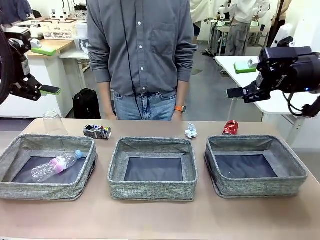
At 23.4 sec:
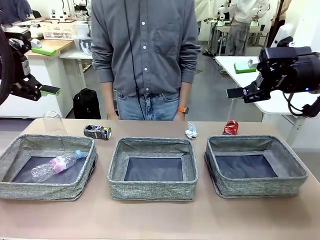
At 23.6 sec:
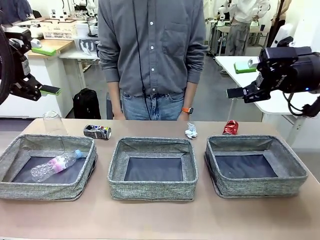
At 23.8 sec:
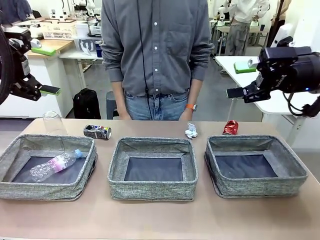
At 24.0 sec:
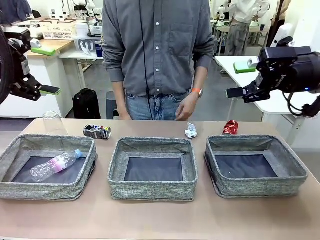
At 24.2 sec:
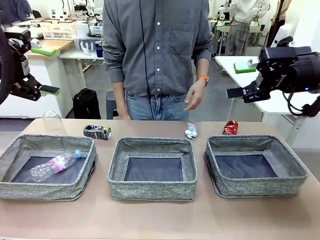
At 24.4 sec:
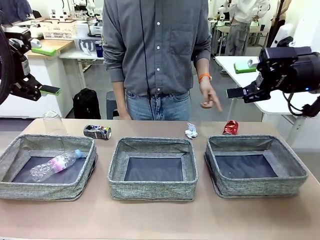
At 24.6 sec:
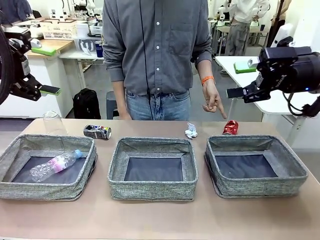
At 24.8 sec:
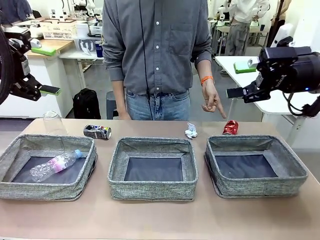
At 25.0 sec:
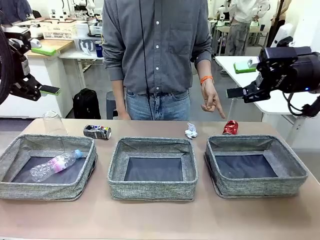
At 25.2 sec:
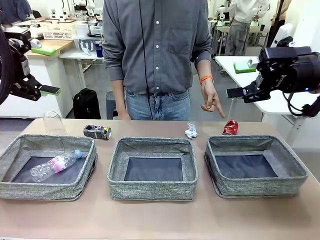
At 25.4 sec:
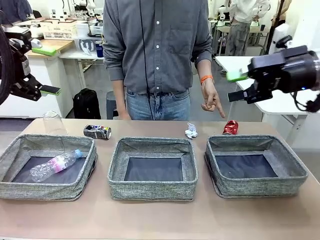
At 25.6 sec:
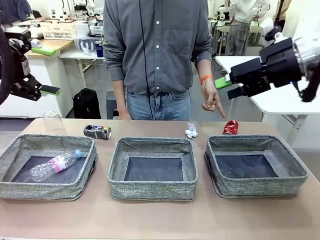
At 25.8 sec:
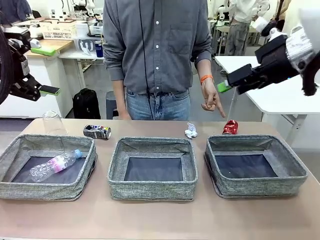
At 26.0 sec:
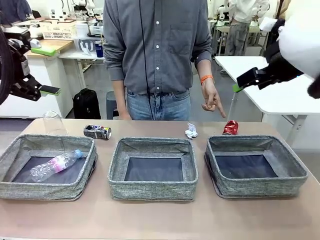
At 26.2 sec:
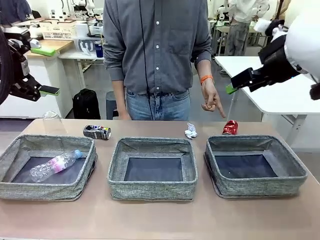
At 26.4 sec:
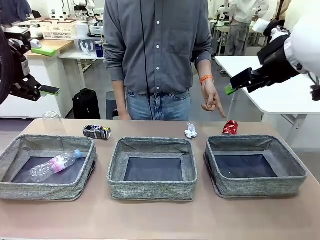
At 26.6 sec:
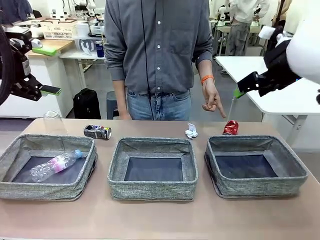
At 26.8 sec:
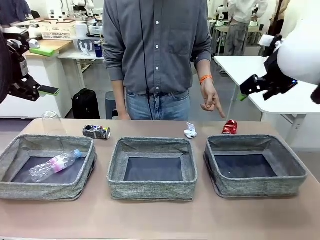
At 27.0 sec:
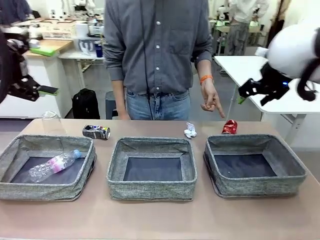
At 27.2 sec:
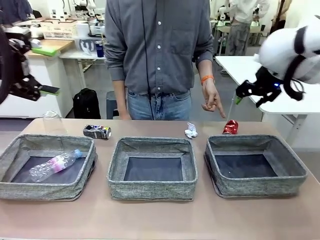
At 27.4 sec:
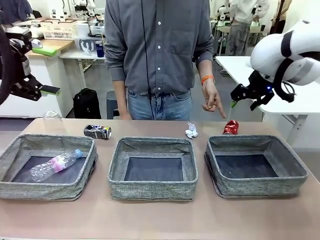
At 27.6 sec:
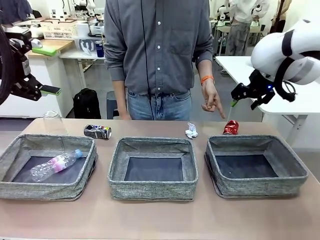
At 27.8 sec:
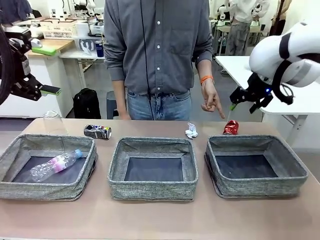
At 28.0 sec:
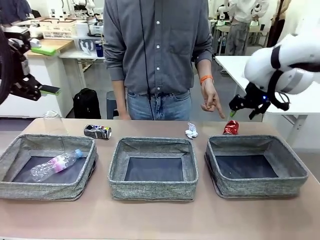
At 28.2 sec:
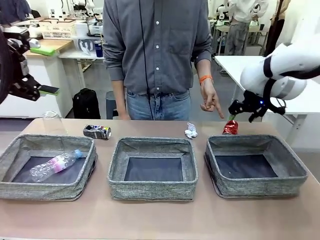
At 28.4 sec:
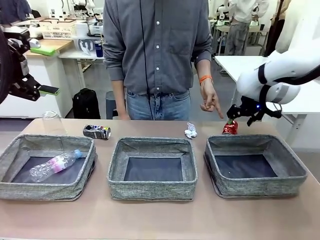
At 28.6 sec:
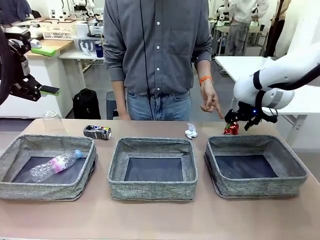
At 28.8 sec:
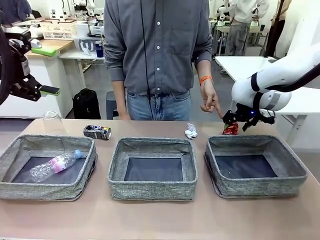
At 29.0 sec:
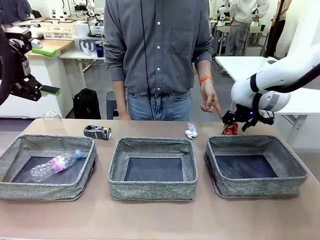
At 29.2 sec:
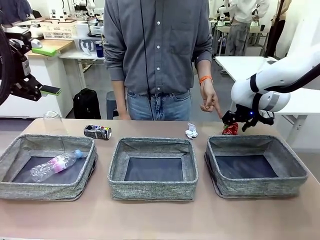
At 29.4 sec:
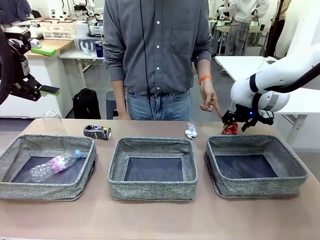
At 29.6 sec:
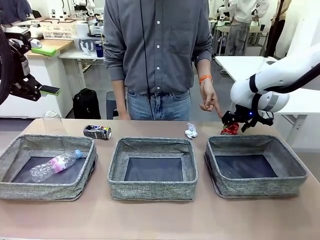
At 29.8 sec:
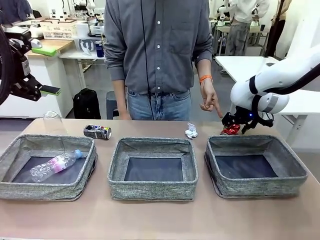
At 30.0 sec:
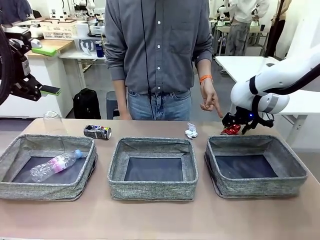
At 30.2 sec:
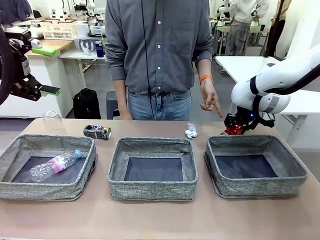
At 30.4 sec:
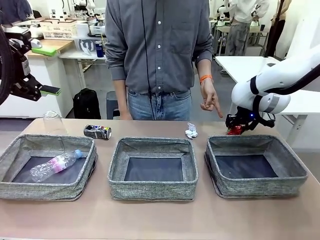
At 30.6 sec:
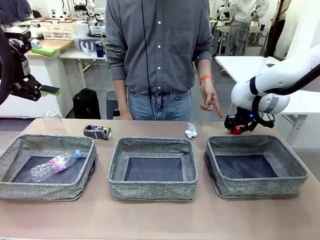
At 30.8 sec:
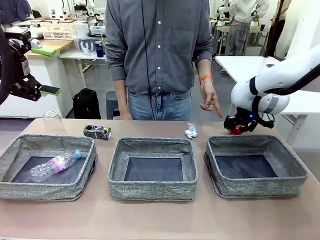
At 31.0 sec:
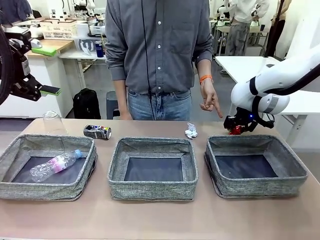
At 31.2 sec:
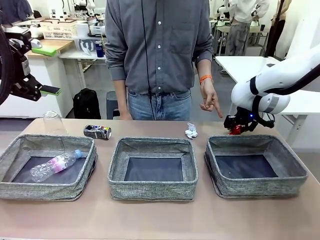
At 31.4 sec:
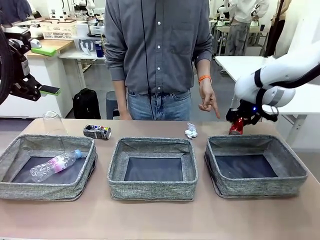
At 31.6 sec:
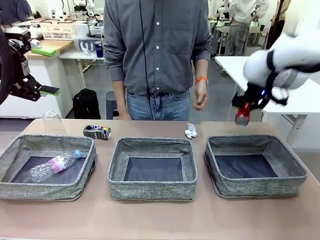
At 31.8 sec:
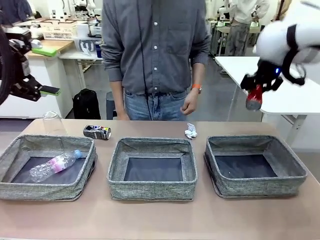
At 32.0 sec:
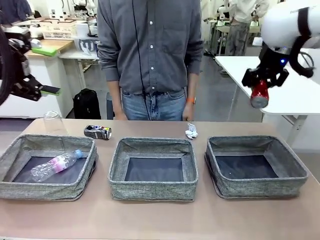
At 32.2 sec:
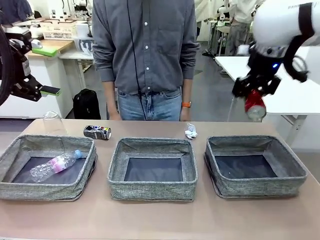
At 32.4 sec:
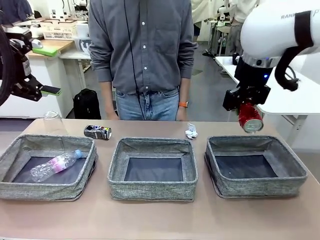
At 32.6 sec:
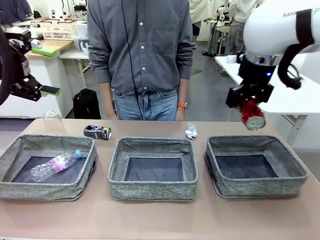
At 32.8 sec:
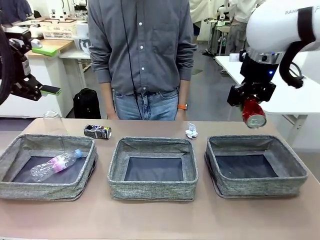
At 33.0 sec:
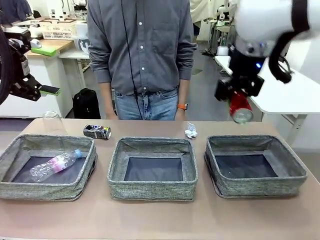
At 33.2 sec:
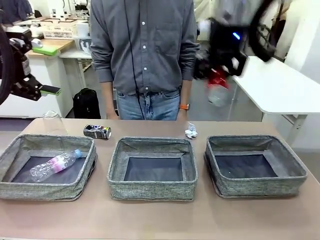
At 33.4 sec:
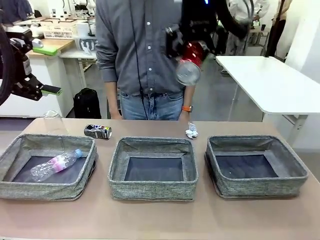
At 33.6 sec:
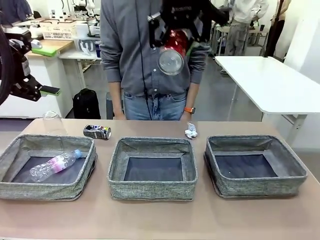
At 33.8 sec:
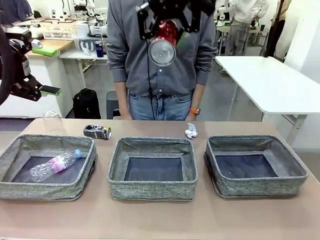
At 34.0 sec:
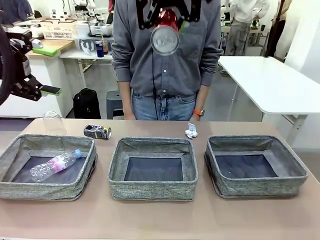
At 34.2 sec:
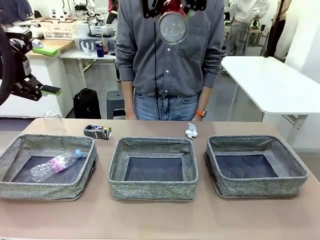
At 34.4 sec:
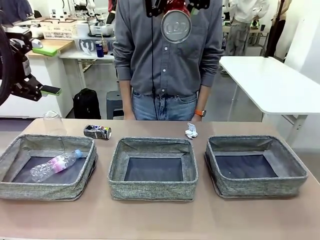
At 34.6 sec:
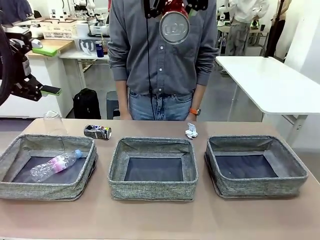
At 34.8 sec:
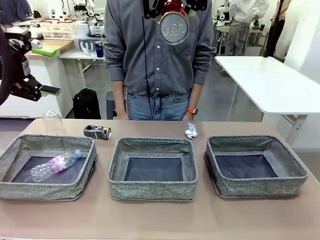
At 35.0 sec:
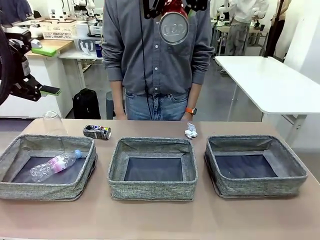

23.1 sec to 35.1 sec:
Task: Sort the waste into the appropriate baskets.
Robot: Pick up the waste item pointed out by the person.
Person: Points to one piece of trash on the table.

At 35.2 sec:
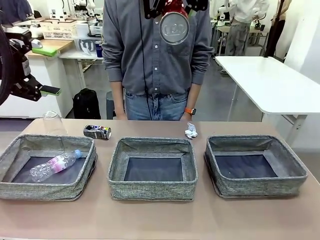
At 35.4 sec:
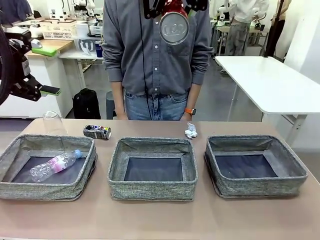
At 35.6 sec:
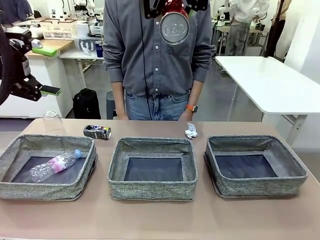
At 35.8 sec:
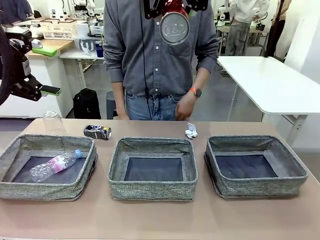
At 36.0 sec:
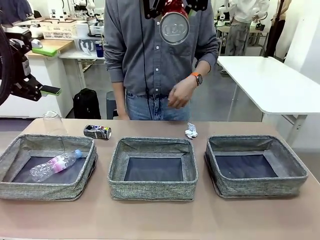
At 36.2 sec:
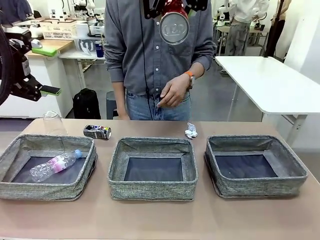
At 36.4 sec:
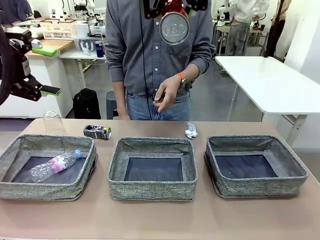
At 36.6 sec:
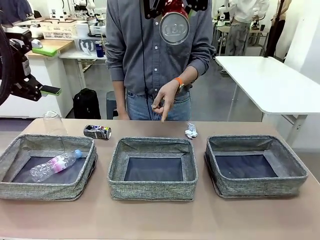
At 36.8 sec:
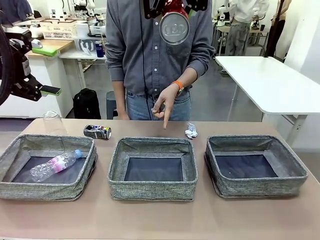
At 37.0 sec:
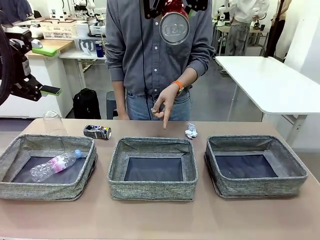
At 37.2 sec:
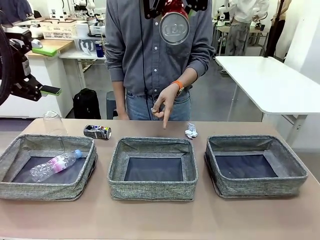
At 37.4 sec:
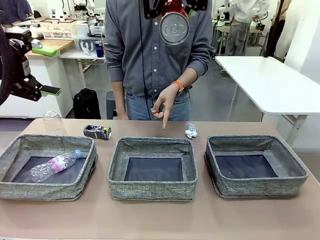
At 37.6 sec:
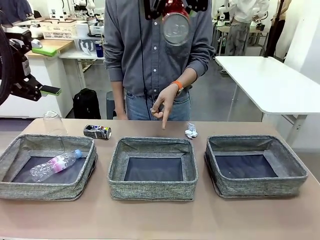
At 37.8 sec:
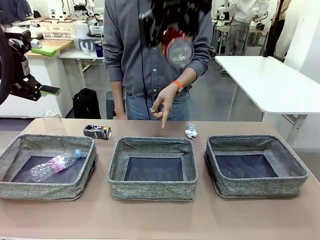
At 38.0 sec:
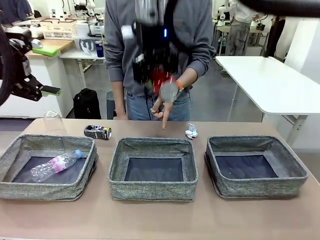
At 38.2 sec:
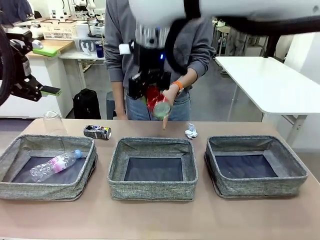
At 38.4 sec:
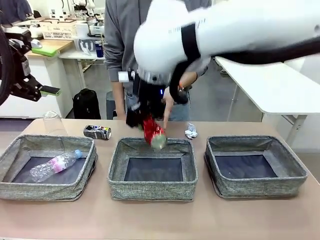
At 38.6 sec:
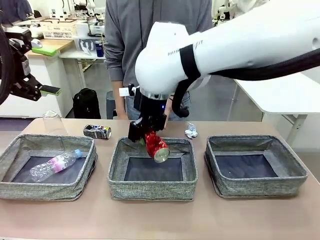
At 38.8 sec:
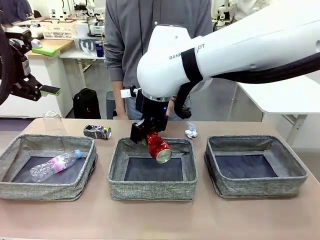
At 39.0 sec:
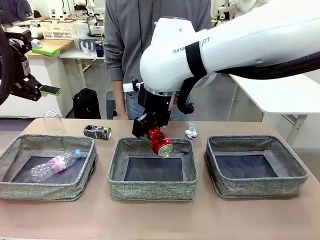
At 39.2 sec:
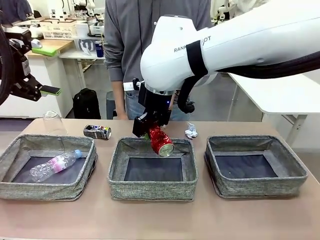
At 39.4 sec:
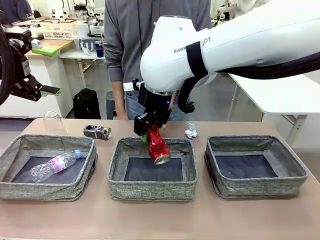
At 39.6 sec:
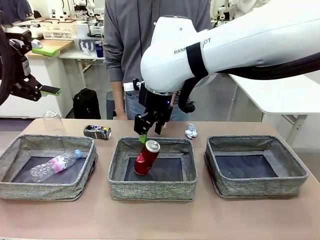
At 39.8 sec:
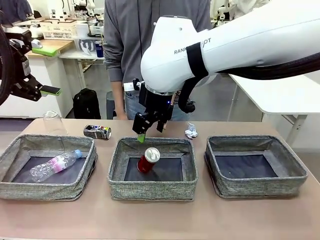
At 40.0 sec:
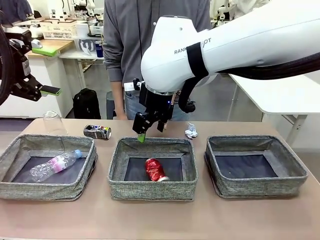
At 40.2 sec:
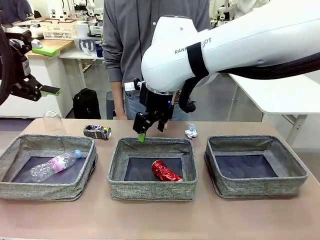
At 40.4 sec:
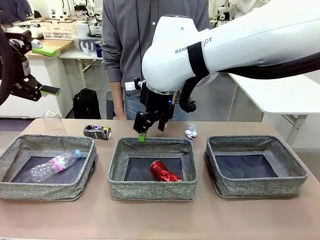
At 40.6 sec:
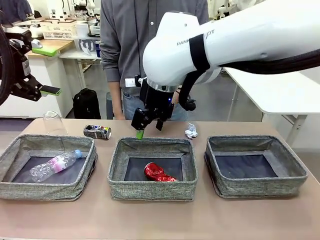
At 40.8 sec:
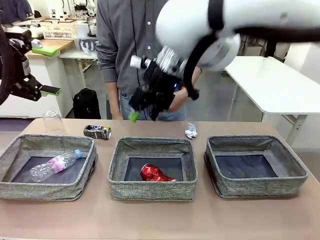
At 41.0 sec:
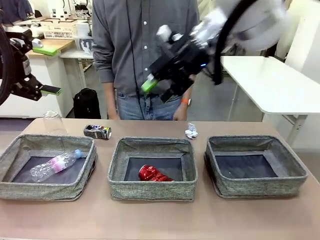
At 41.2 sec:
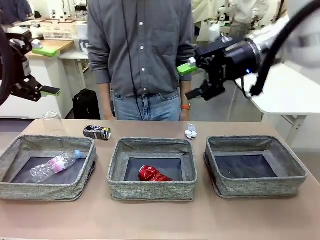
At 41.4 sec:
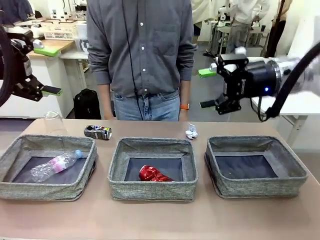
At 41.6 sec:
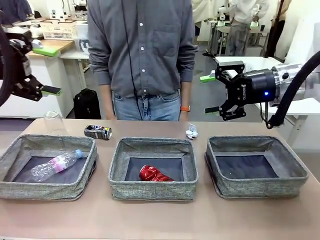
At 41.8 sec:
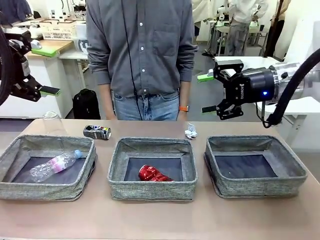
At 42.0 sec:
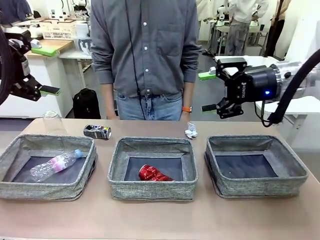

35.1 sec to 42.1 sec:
Robot: Place the picked waste into the Fabric basket indicated by the person.
Person: Instructs the robot to place the picked-up trash into the appropriate organizing basket.
